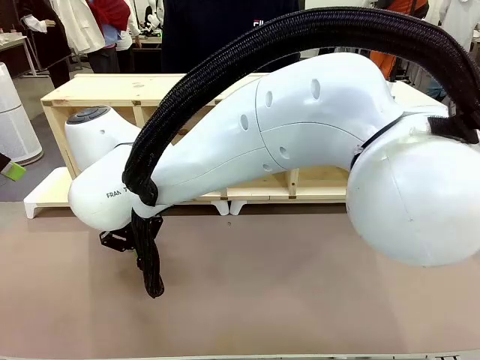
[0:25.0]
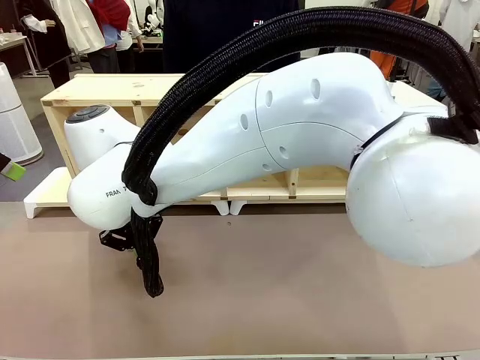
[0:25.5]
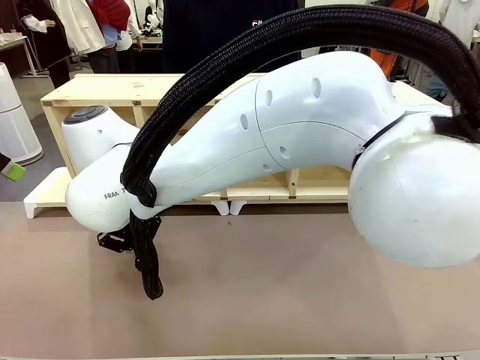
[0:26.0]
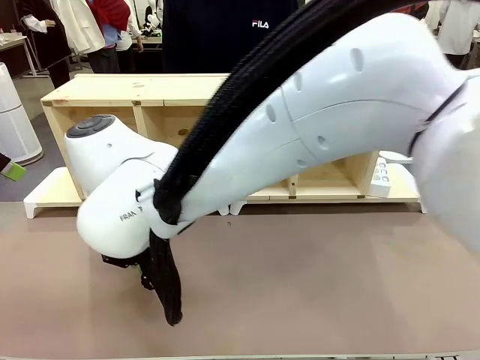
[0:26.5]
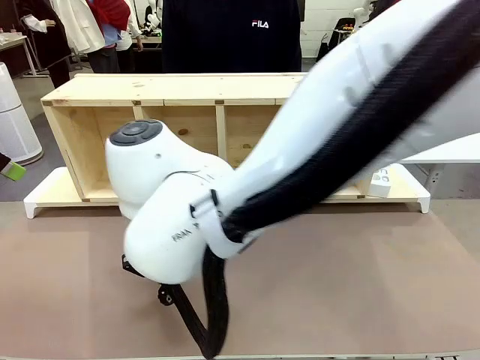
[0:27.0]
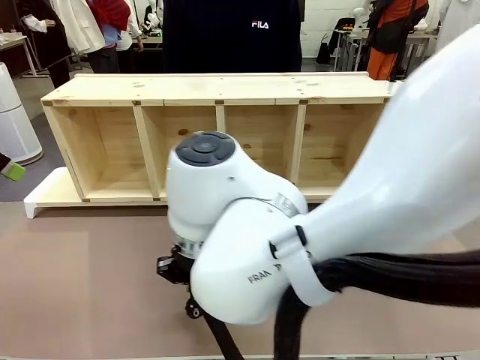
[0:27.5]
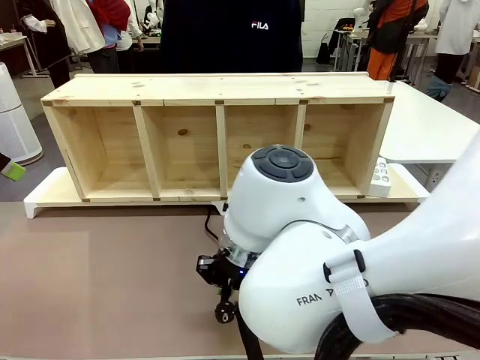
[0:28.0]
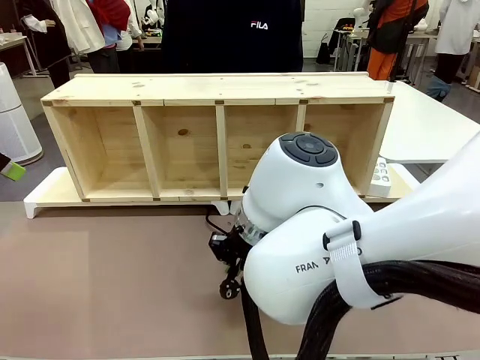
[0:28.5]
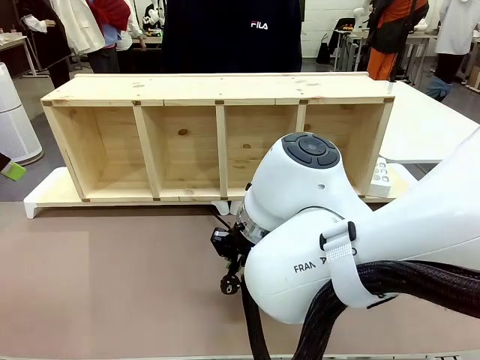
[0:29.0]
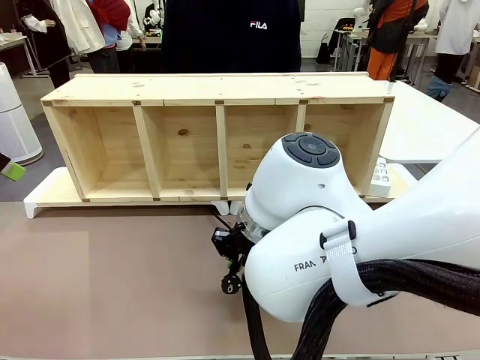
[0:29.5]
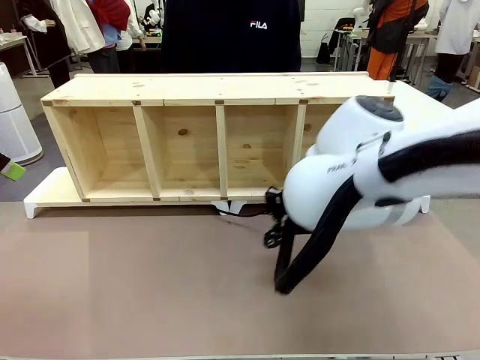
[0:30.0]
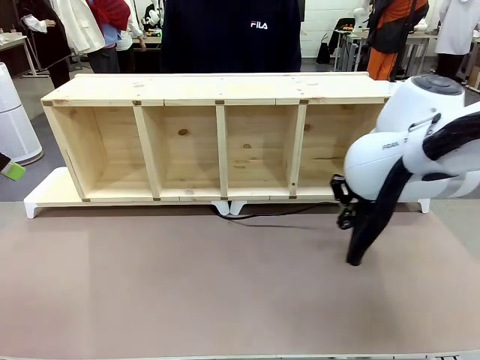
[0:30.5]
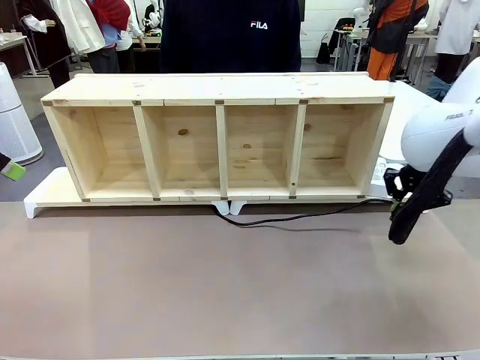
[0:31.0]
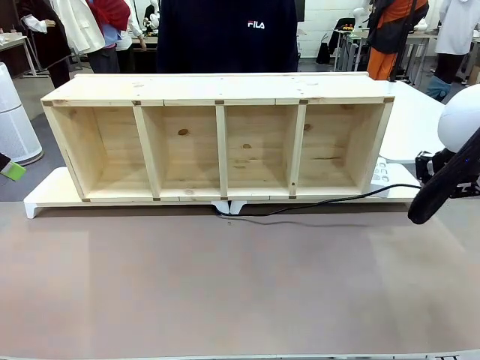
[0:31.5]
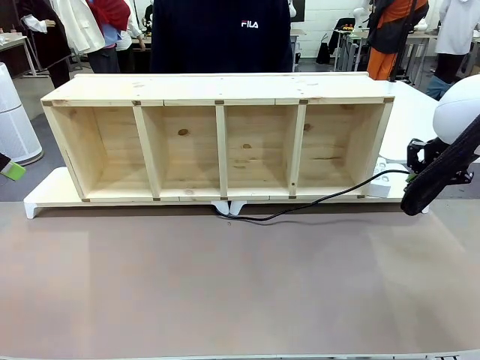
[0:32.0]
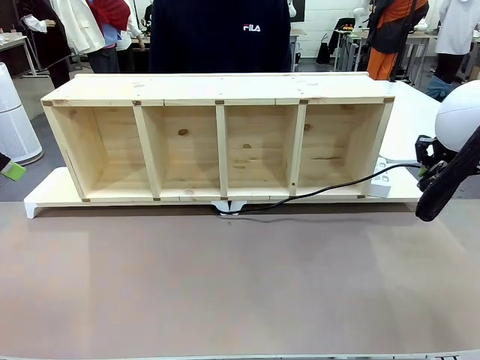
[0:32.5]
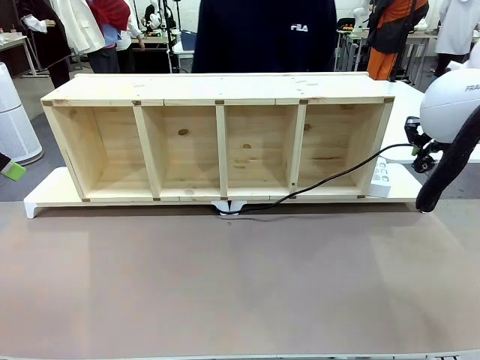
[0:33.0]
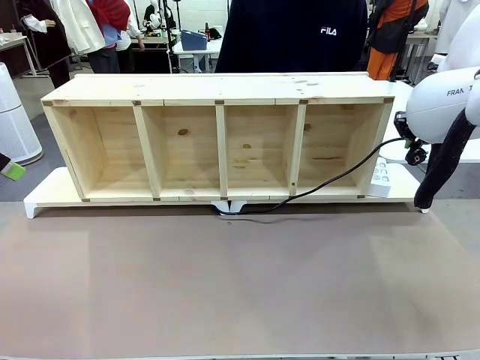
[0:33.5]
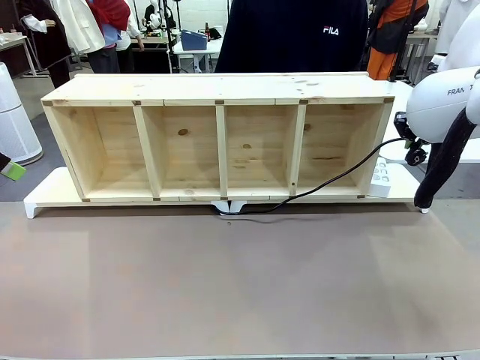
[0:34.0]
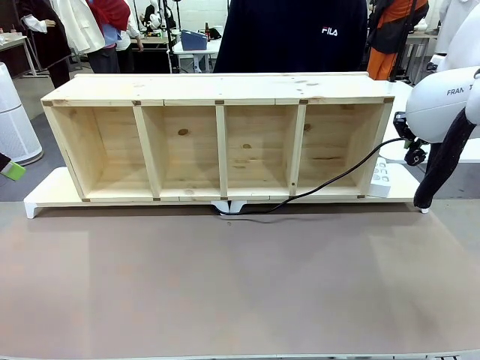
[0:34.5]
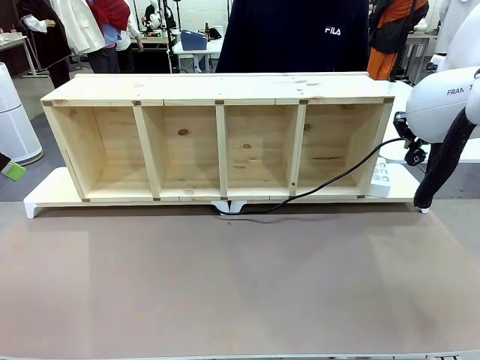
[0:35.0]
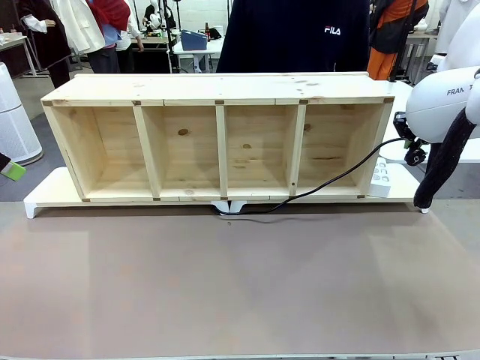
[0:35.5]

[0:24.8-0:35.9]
Task: Perform cable management.
Robot: Pull the grasped Power Cable to the location of the Power Strip.

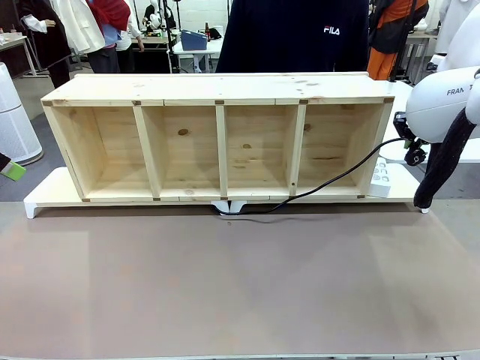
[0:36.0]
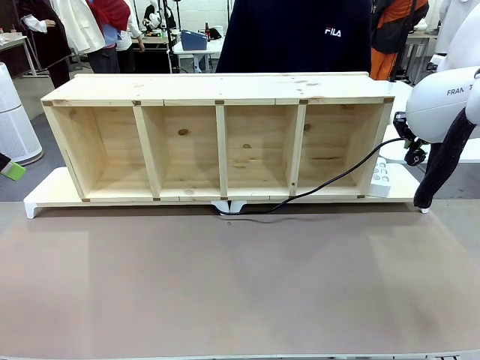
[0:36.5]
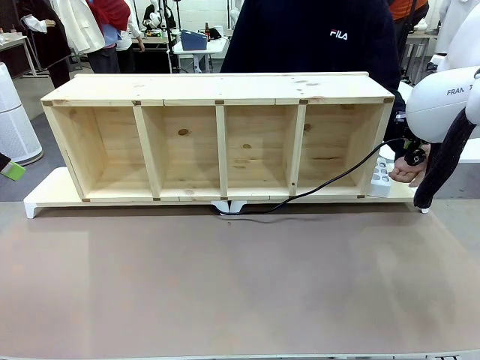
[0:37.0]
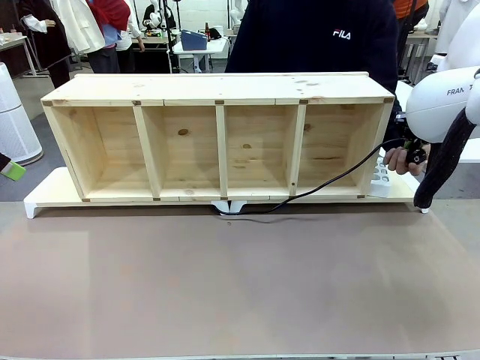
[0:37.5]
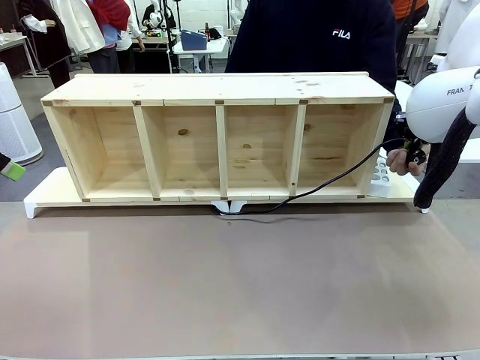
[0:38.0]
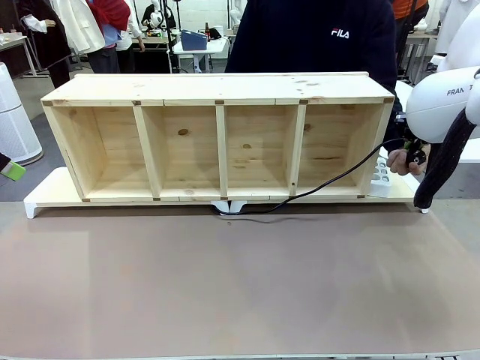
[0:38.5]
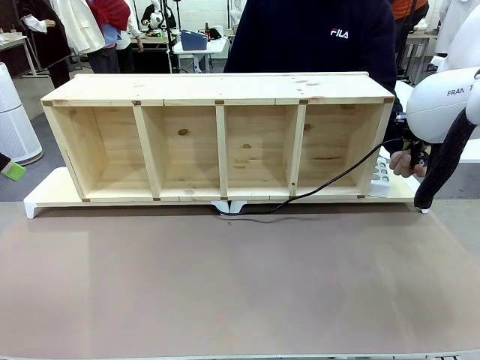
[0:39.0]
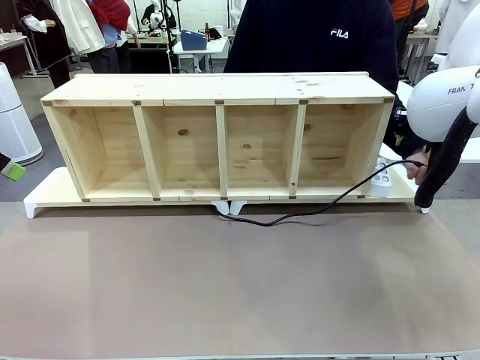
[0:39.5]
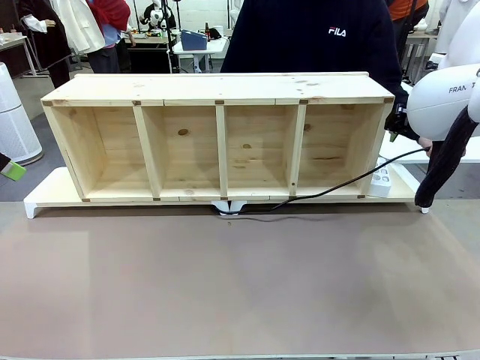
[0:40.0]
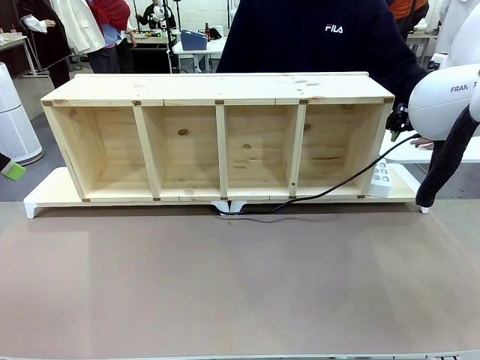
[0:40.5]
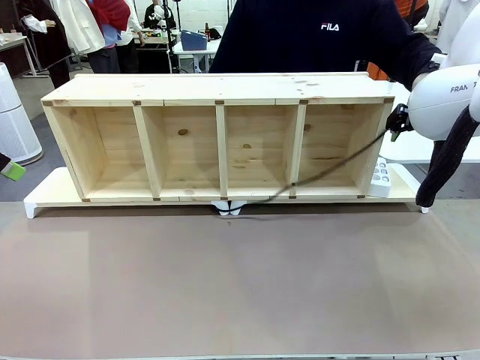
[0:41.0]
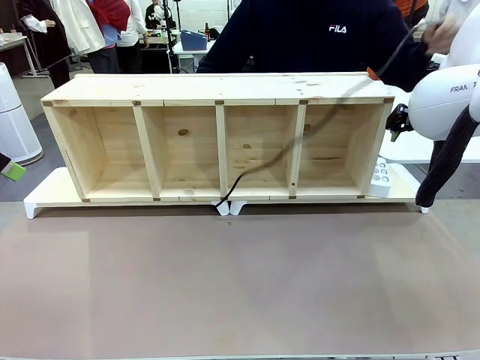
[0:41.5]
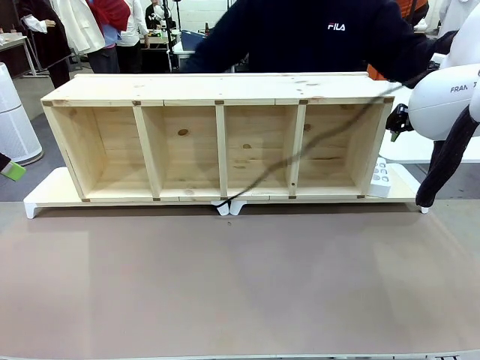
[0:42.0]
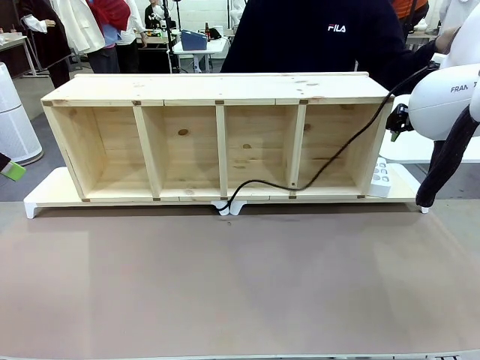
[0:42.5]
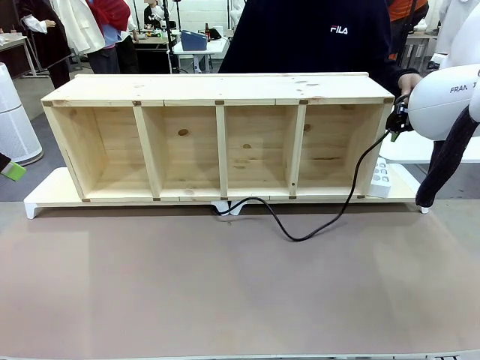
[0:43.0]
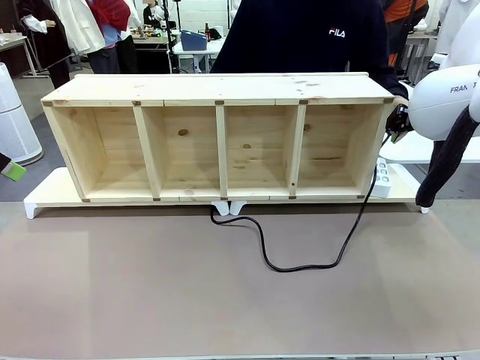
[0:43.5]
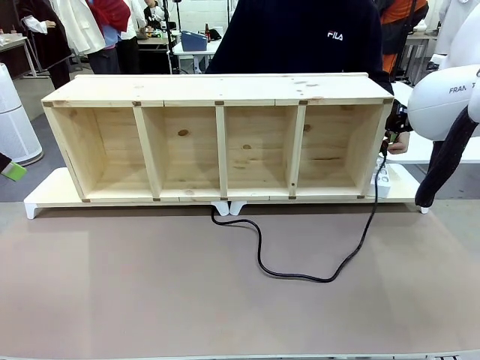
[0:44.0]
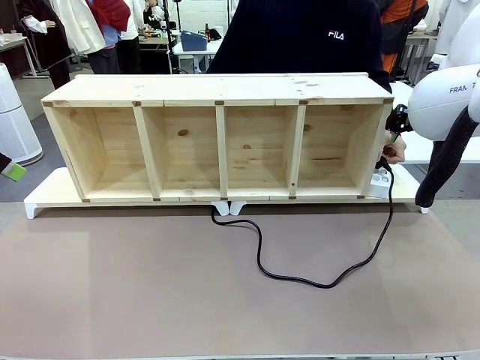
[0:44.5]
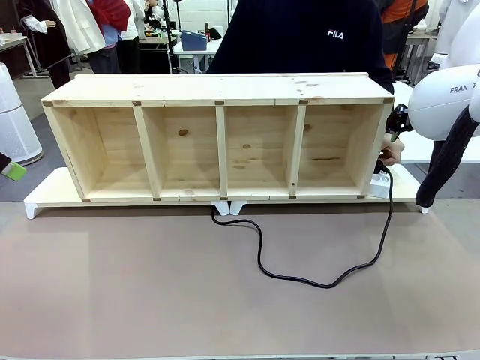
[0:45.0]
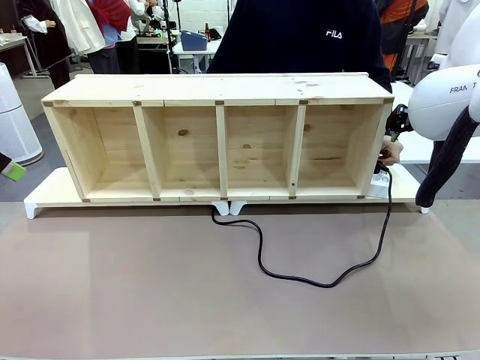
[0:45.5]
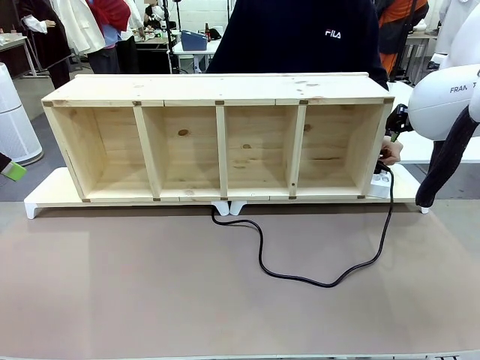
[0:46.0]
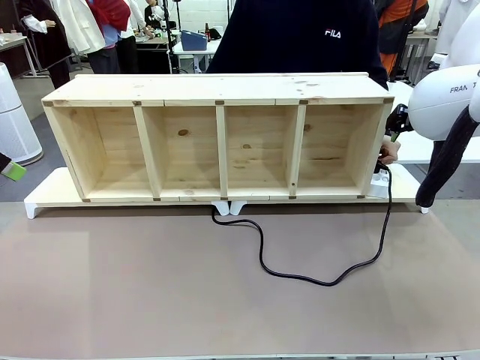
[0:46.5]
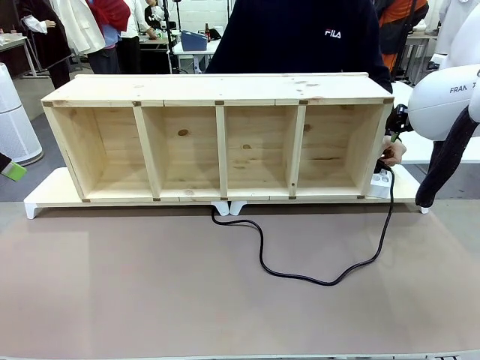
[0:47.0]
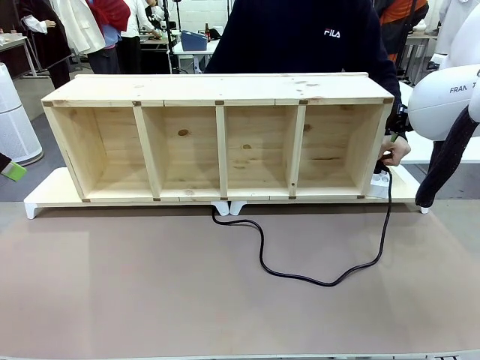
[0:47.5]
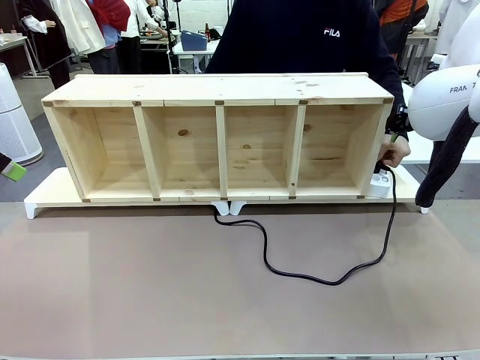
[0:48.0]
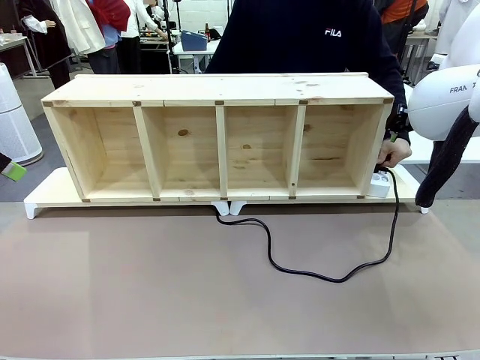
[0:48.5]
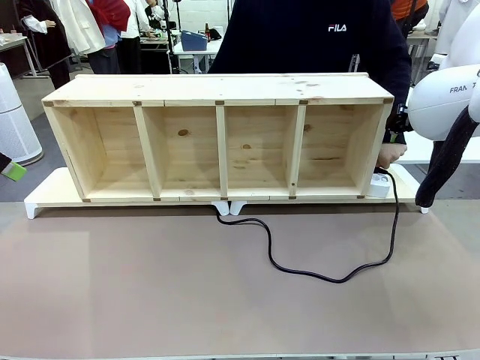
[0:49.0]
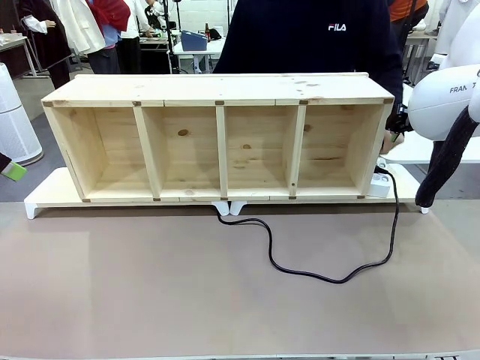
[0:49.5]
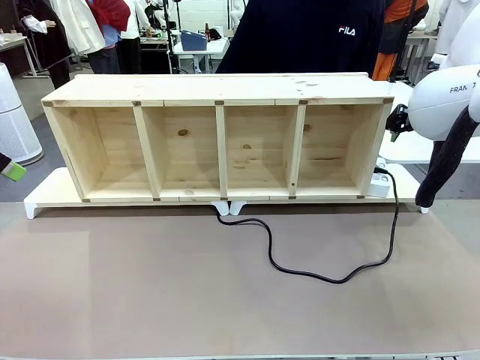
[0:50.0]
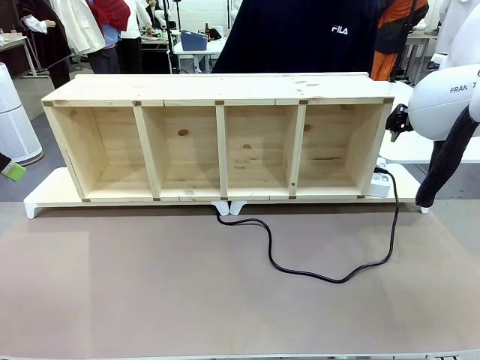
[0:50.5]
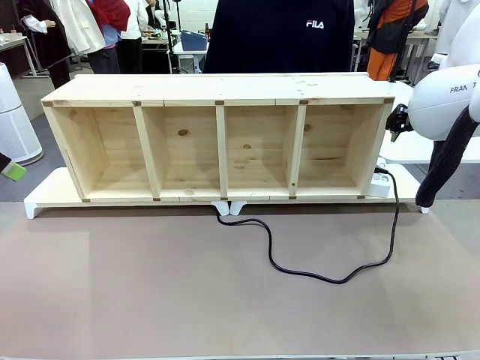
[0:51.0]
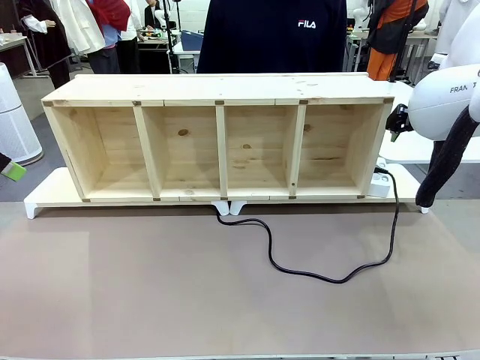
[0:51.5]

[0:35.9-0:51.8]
Robot: Release the Power Cable when the human grasps it.
Person: Plug the Power Cable into the Power Strip.
